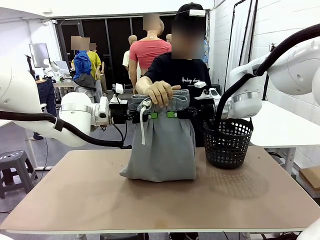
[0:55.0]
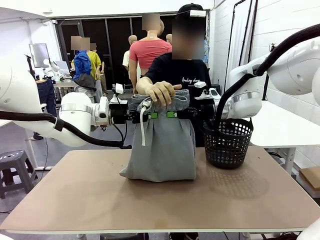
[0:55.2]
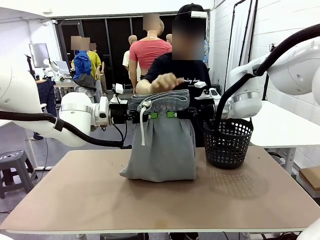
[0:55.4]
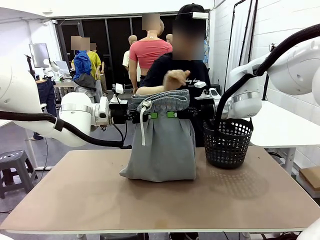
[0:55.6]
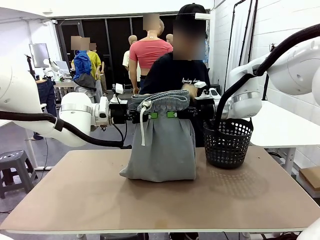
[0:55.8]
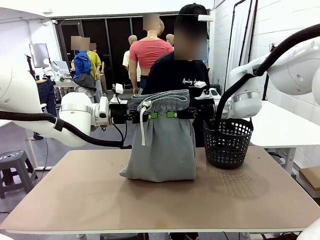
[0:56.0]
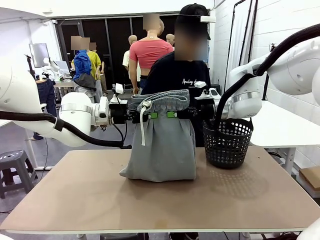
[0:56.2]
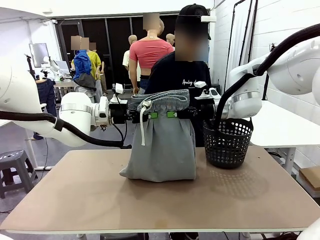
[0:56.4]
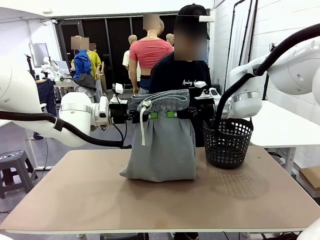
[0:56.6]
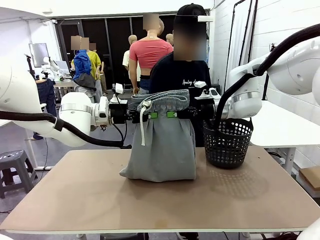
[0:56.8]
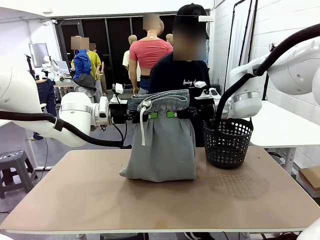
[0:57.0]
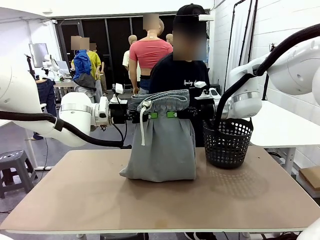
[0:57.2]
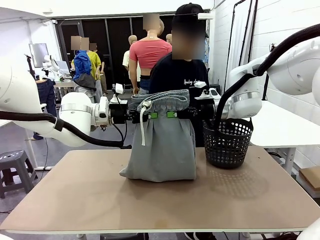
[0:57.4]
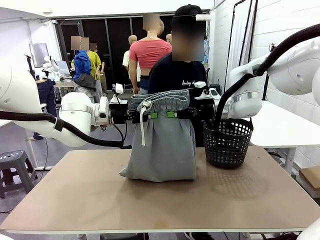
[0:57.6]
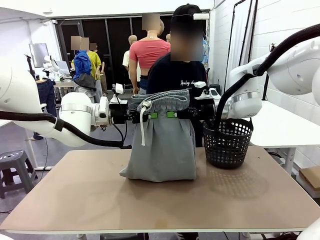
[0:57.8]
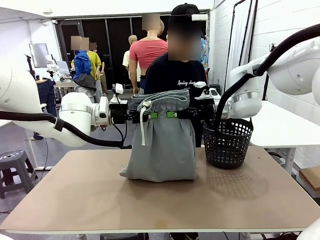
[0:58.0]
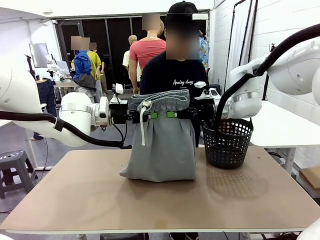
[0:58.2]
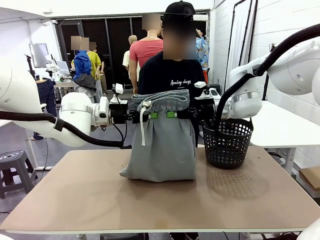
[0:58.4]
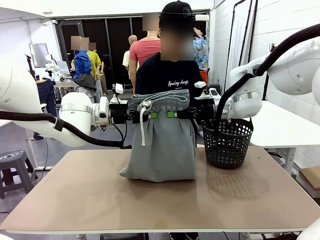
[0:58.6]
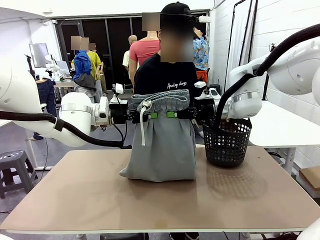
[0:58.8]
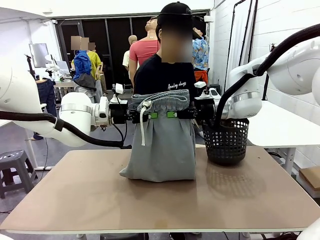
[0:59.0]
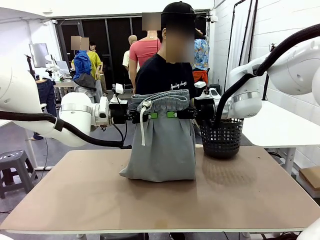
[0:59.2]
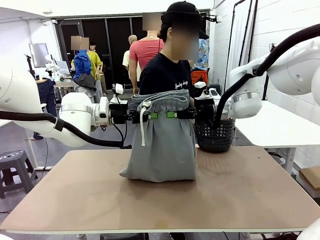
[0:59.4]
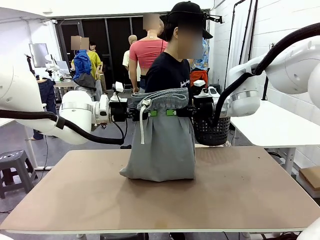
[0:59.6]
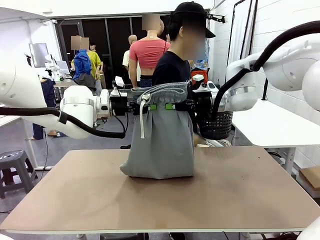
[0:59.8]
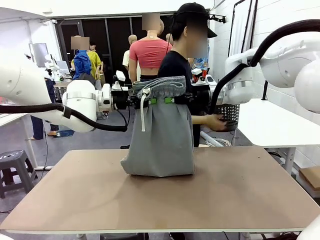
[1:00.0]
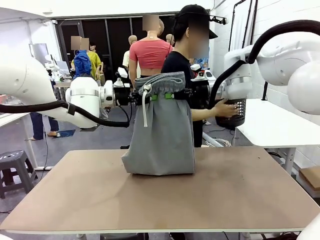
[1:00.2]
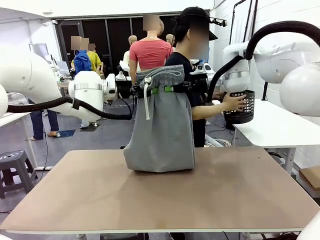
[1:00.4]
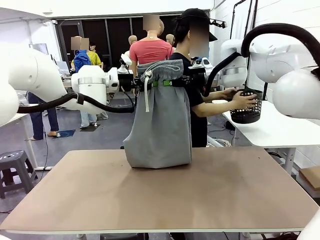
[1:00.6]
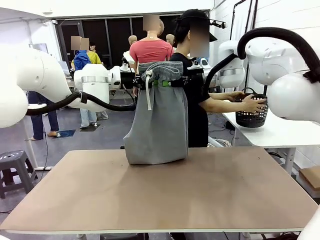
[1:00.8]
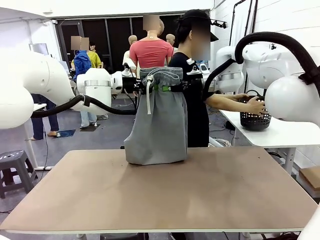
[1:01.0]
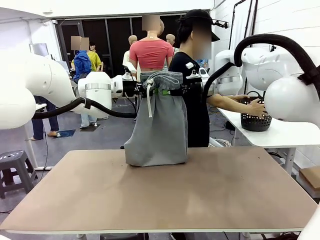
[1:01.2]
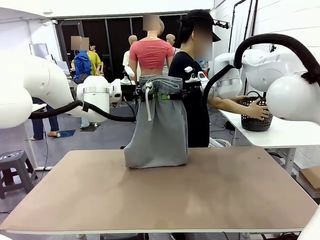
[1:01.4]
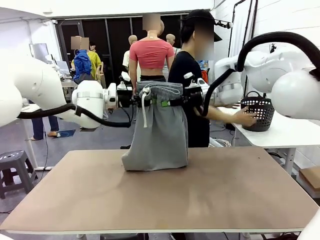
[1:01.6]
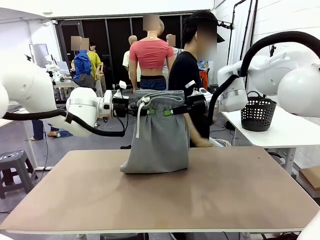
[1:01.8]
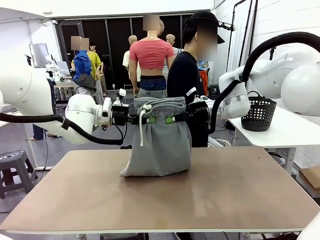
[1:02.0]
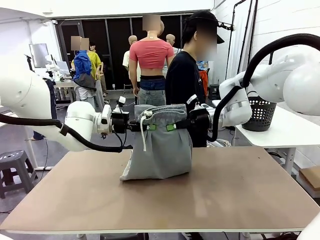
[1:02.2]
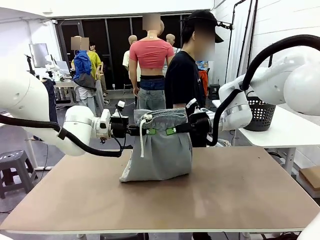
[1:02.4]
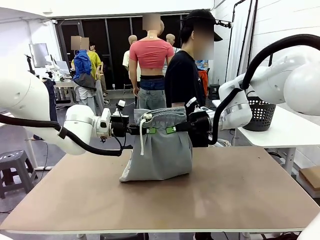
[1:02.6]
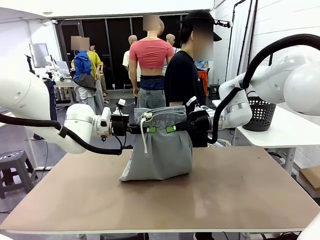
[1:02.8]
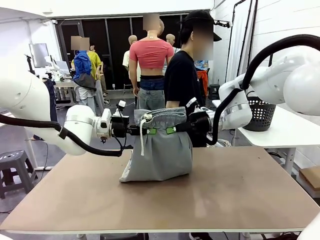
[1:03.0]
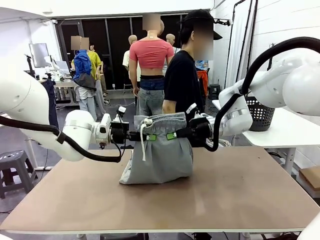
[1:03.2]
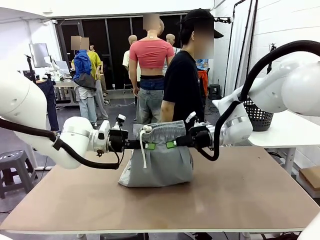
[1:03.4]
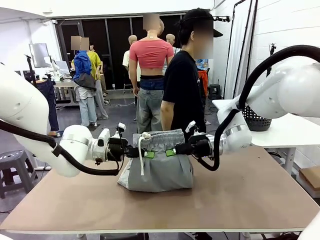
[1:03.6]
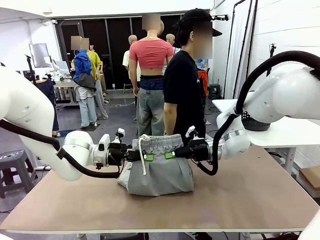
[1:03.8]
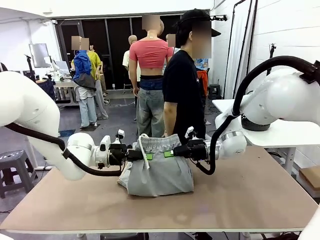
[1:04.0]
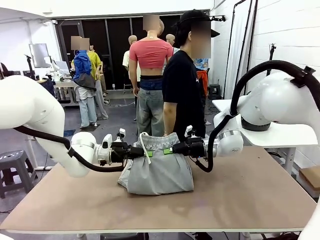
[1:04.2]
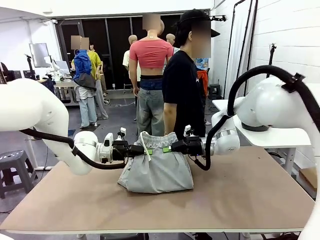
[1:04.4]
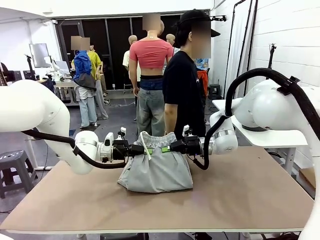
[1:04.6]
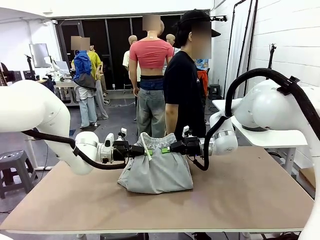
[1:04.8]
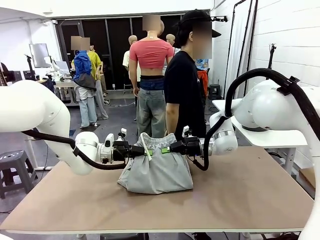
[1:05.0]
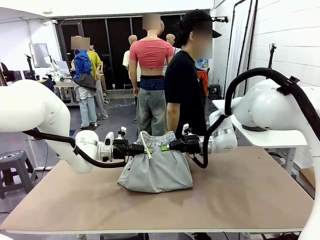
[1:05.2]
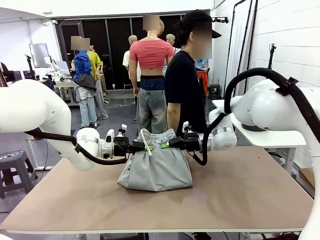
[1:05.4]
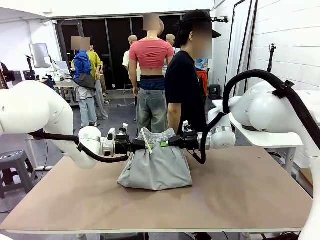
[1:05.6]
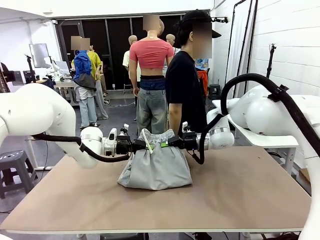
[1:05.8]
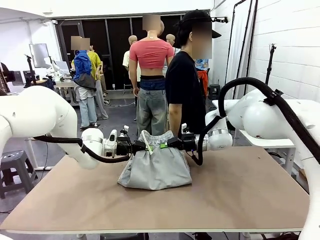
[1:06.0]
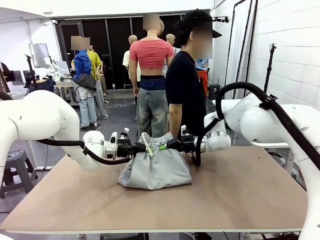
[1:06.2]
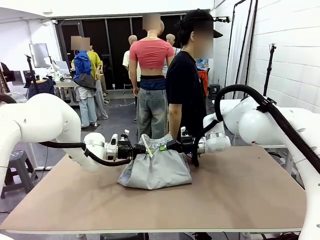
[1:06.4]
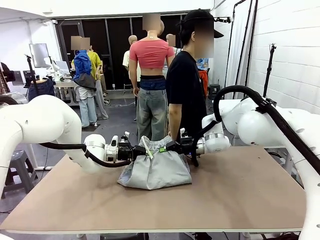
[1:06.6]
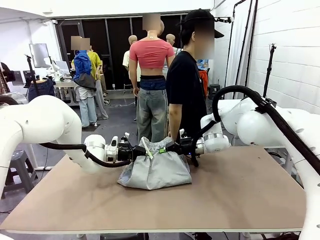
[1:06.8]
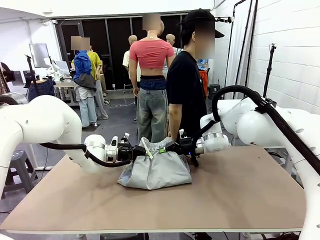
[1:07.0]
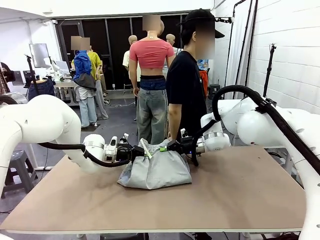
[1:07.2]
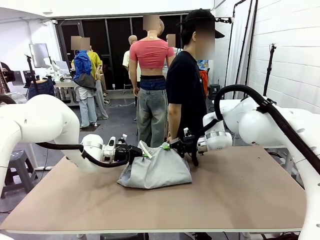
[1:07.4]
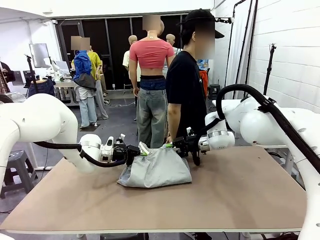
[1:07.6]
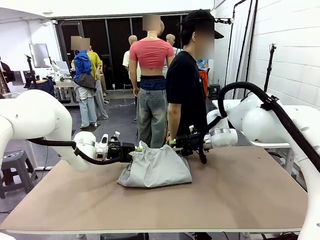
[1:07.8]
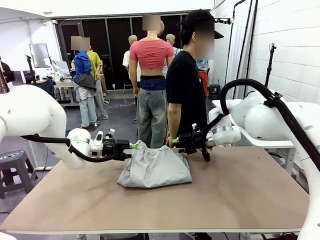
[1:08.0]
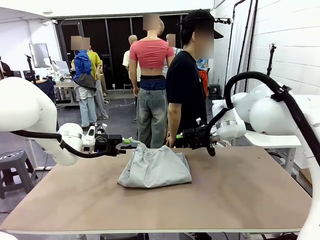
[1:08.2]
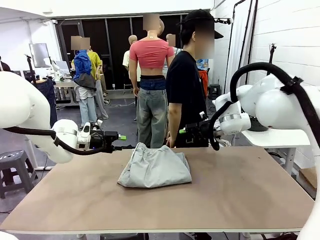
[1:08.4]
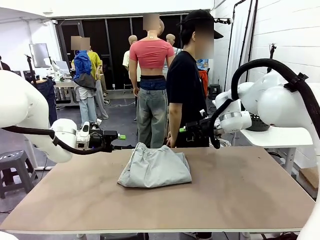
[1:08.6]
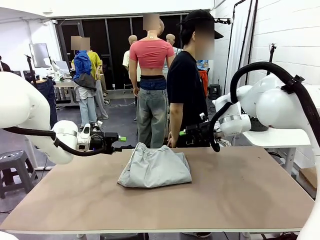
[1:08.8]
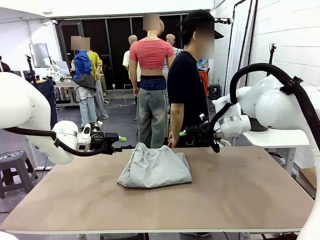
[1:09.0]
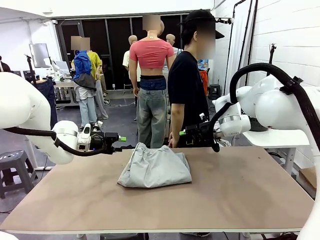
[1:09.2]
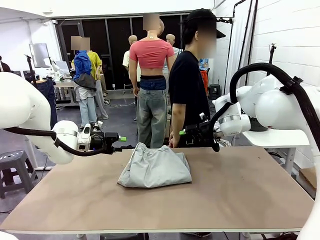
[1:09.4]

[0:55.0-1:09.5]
Task: Fold the training pants.
Robot: Fold the Training pants in half.
Person: Move the laundry basket to the right of the human table.

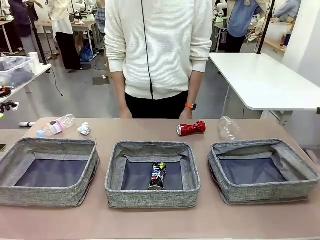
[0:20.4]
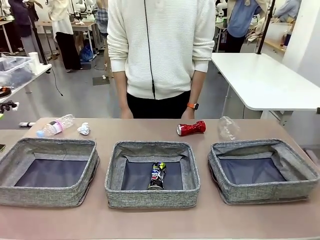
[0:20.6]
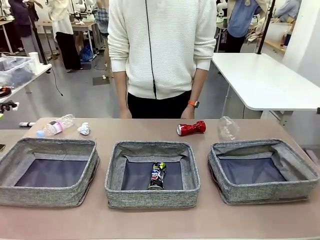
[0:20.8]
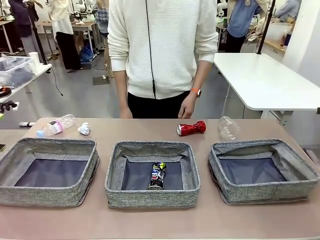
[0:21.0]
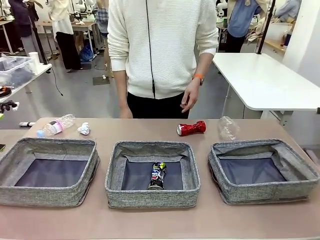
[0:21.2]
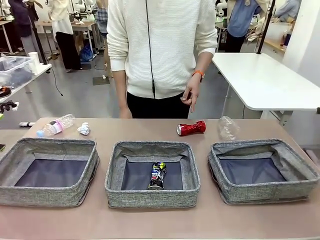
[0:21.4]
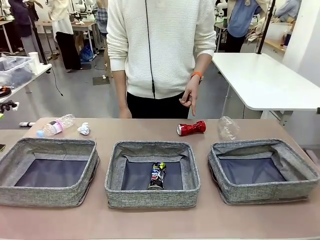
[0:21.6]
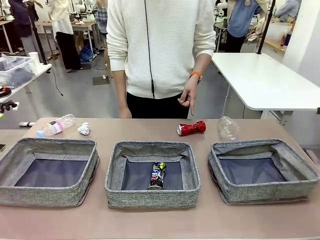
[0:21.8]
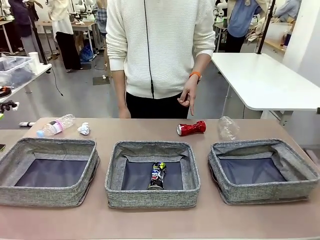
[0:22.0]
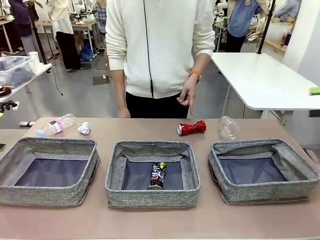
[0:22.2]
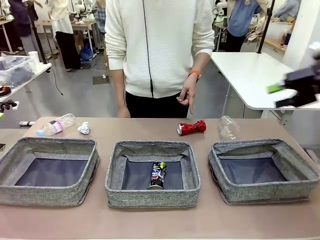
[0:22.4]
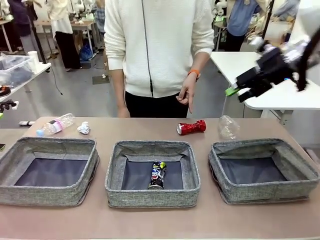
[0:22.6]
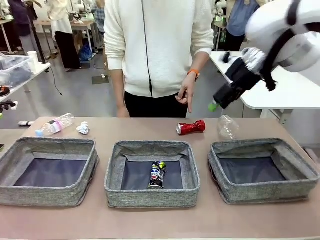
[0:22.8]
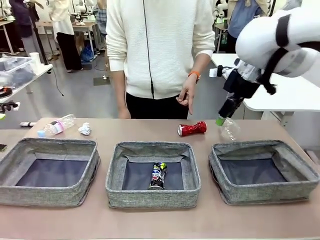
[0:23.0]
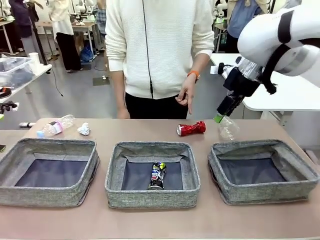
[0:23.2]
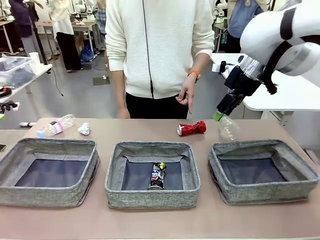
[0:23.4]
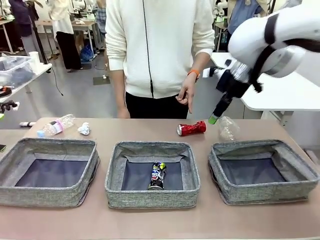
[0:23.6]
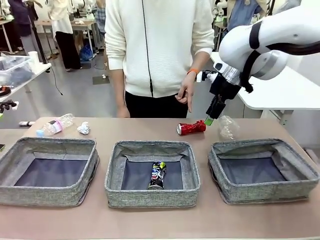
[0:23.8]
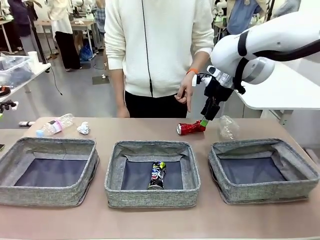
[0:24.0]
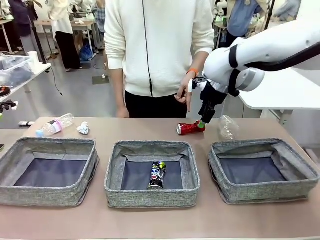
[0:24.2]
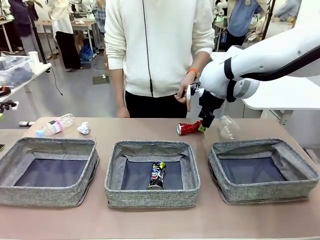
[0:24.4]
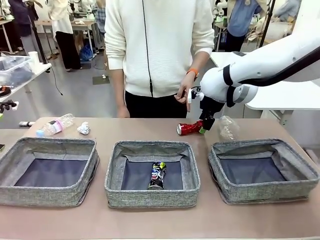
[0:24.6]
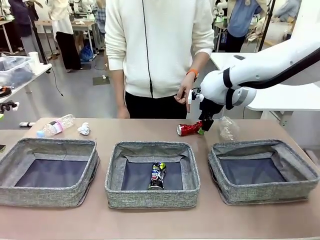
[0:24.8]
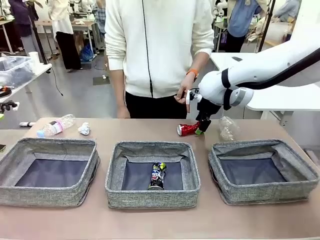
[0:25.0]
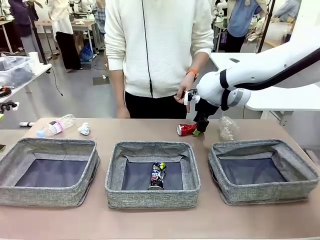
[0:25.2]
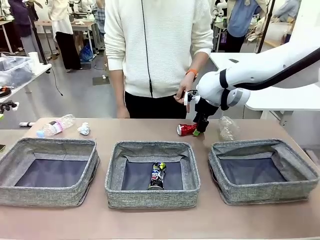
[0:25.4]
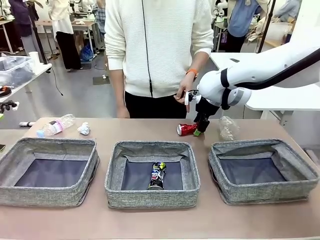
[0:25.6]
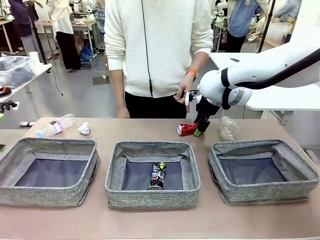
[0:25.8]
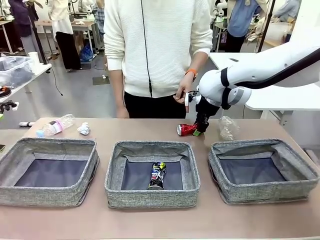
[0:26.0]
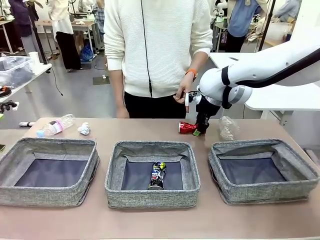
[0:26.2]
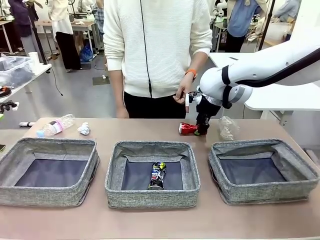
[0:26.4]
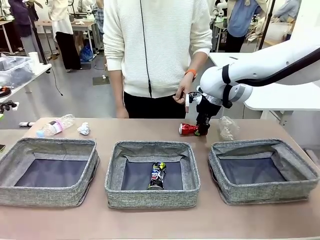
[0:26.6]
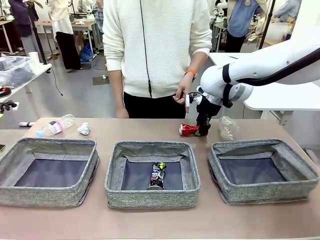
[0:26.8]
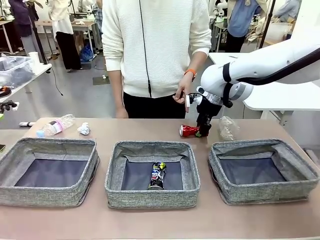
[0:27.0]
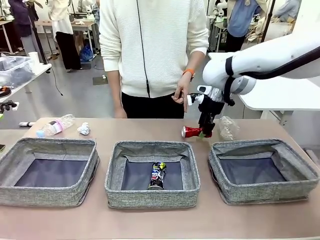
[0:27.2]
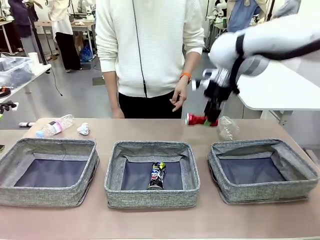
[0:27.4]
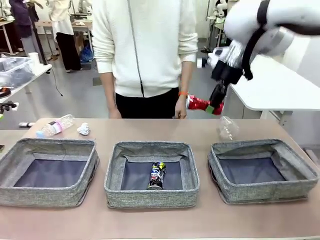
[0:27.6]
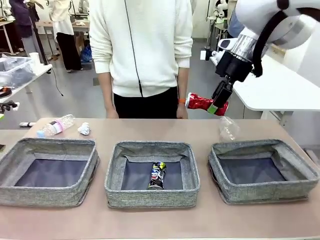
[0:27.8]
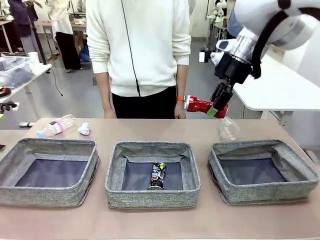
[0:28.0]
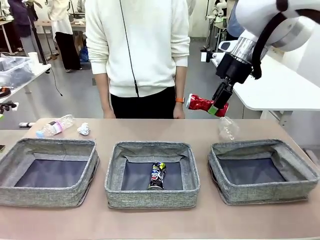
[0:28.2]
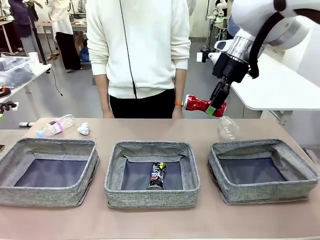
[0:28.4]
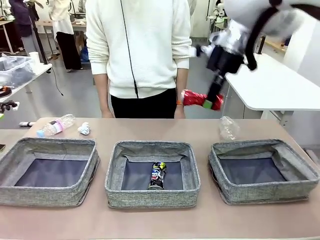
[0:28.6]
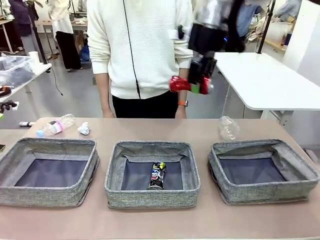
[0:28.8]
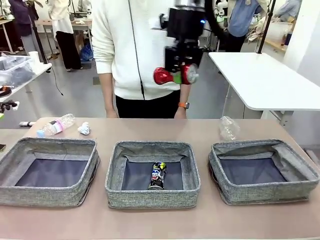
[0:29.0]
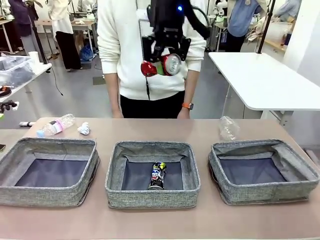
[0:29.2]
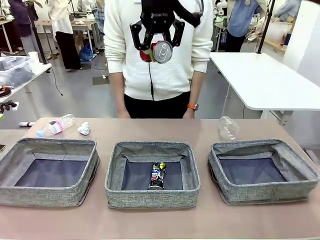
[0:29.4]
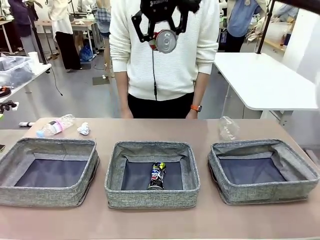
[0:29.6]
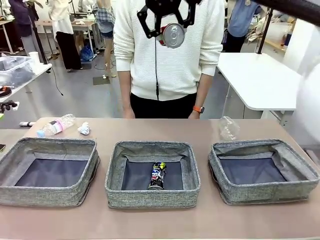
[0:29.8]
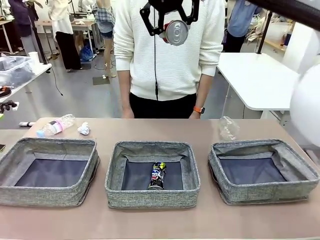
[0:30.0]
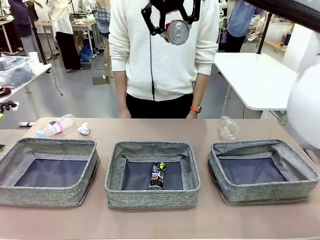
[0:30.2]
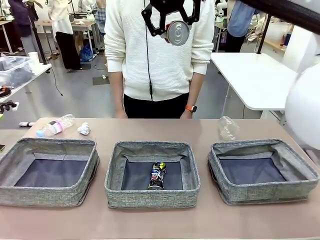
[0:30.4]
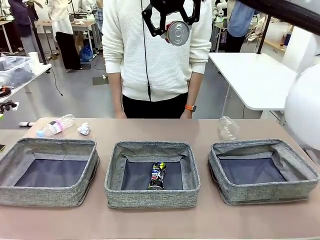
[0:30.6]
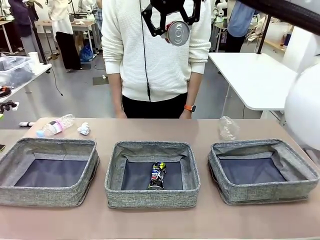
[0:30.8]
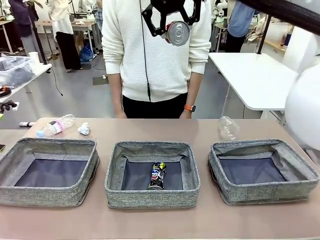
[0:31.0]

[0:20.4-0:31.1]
Task: Sort the waste into the appropriate baskets.
Robot: Pick up the waste item pointed out by the person.
Person: Points to one piece of trash on the table.
